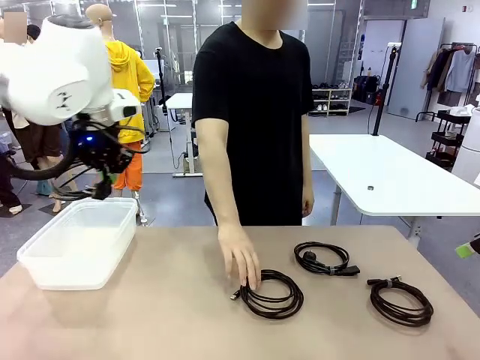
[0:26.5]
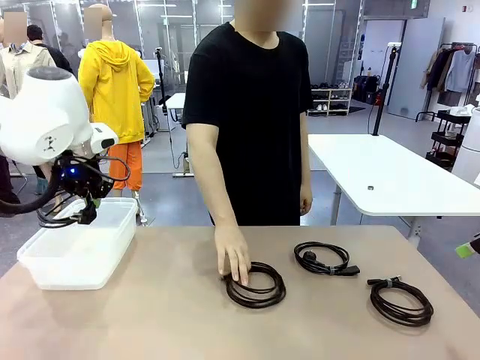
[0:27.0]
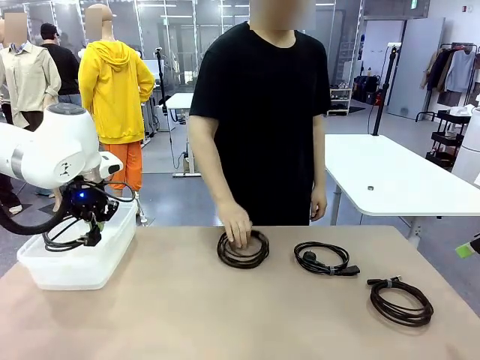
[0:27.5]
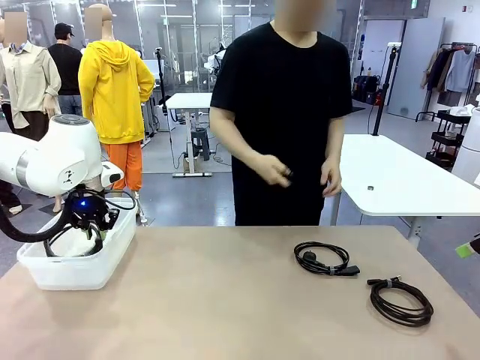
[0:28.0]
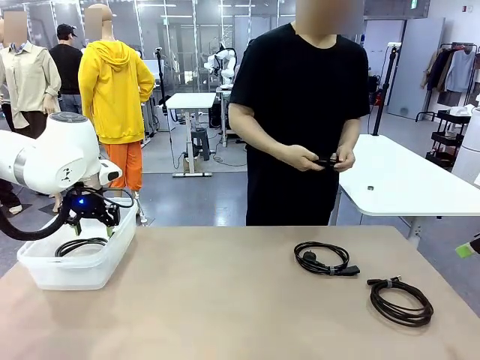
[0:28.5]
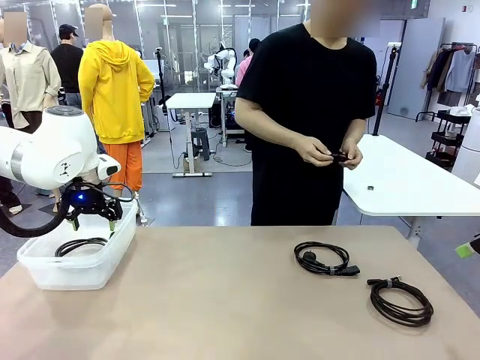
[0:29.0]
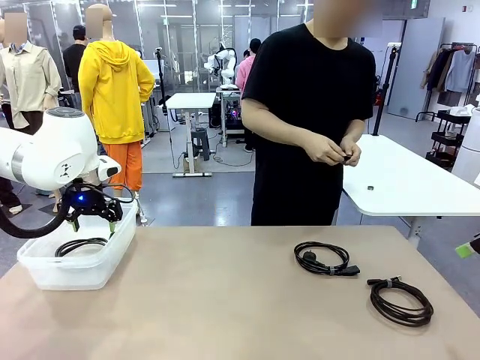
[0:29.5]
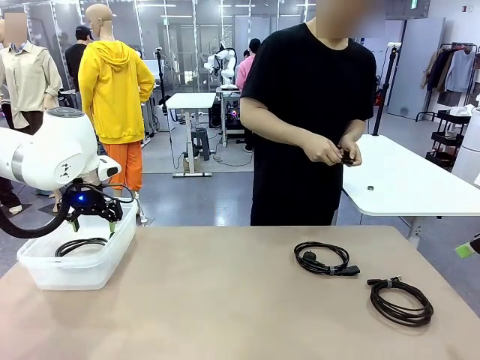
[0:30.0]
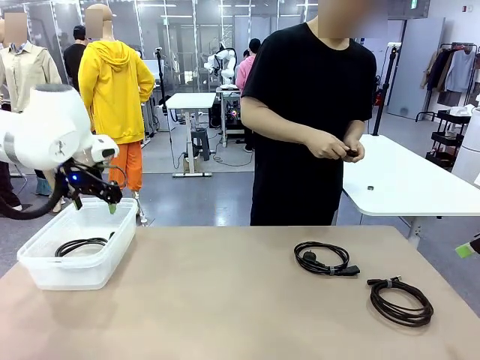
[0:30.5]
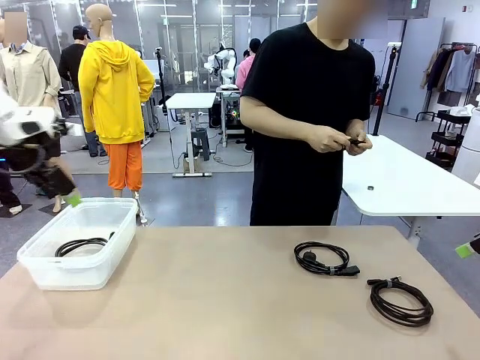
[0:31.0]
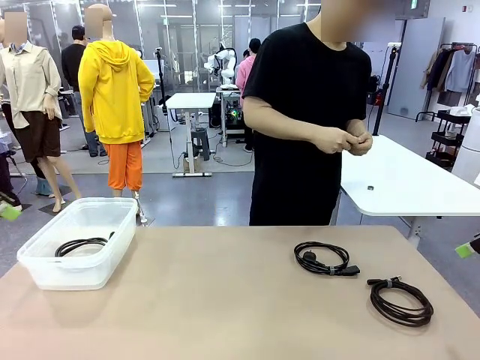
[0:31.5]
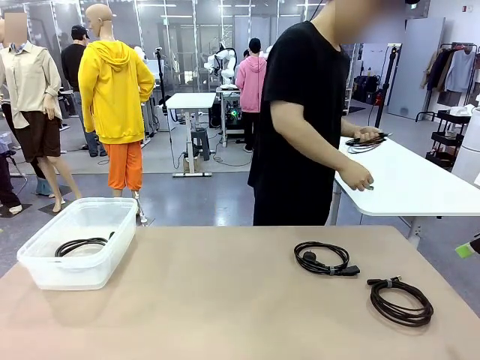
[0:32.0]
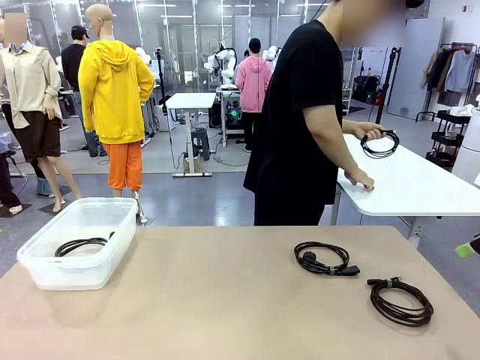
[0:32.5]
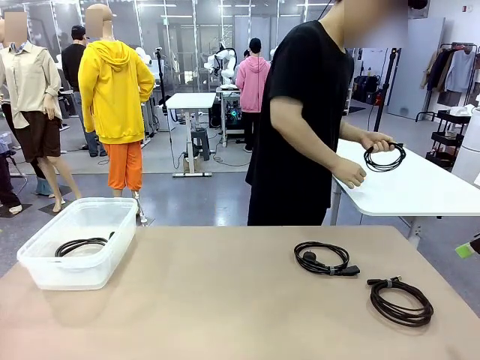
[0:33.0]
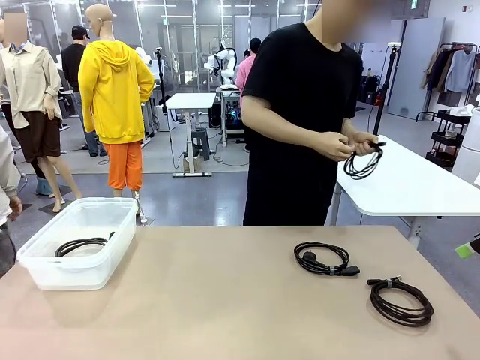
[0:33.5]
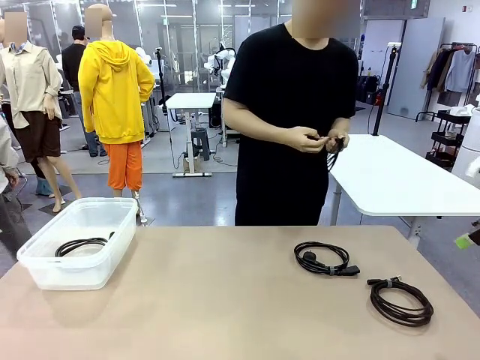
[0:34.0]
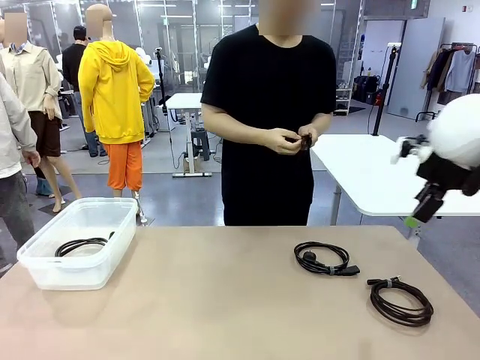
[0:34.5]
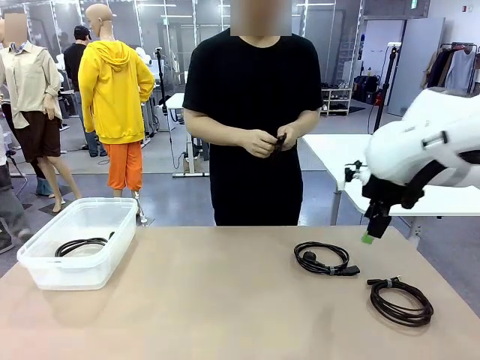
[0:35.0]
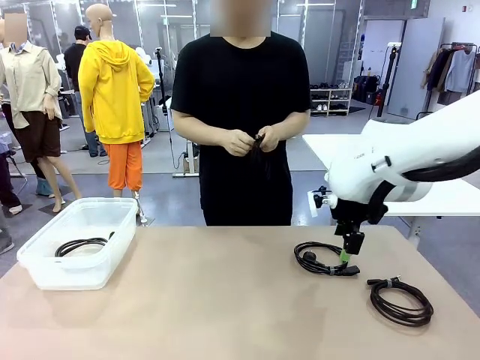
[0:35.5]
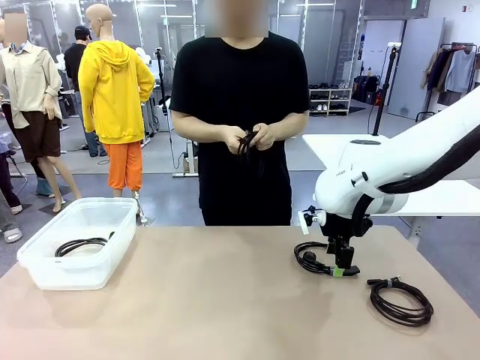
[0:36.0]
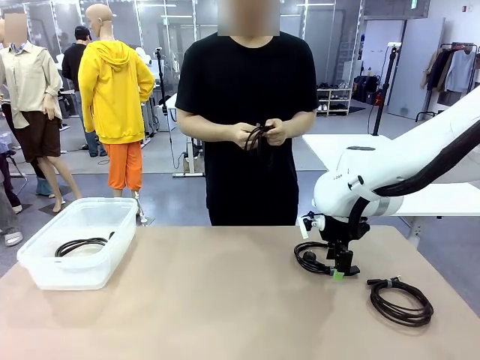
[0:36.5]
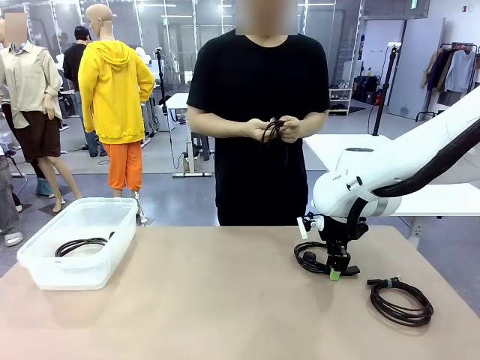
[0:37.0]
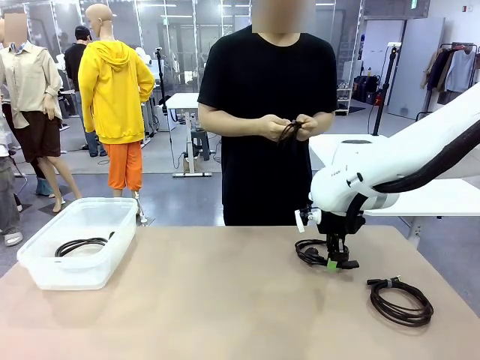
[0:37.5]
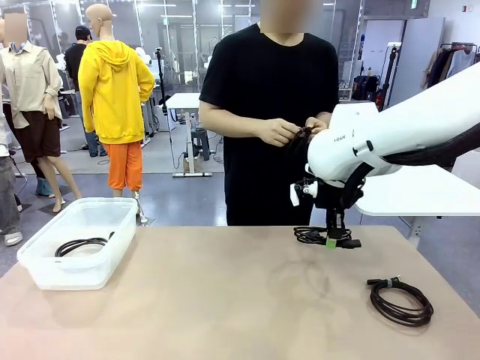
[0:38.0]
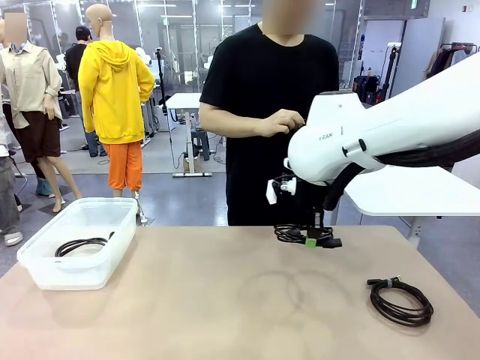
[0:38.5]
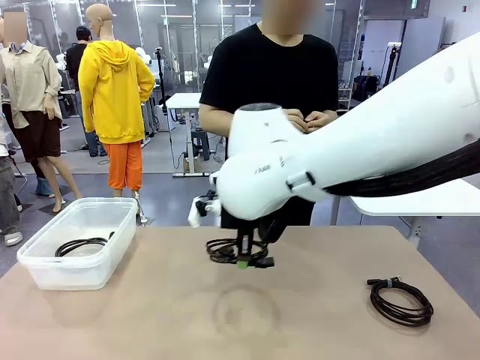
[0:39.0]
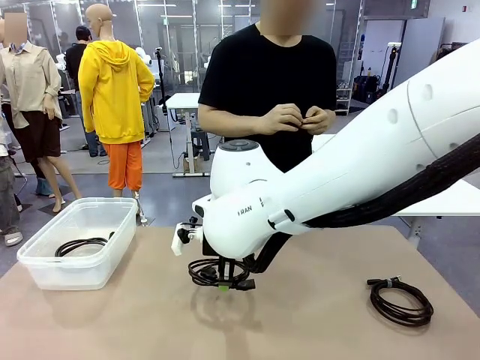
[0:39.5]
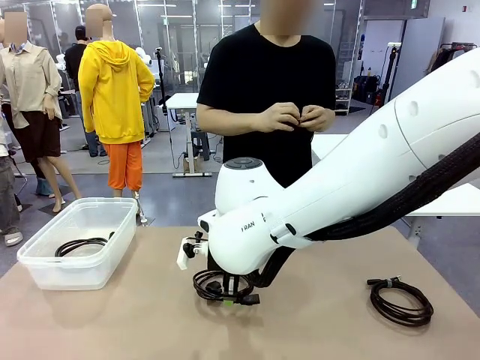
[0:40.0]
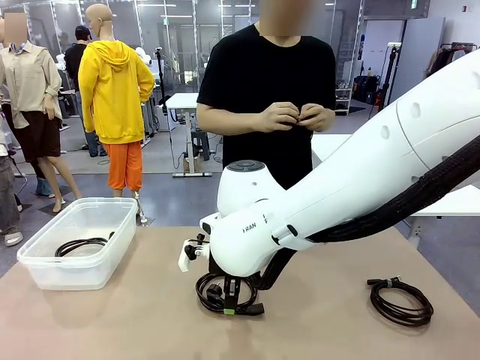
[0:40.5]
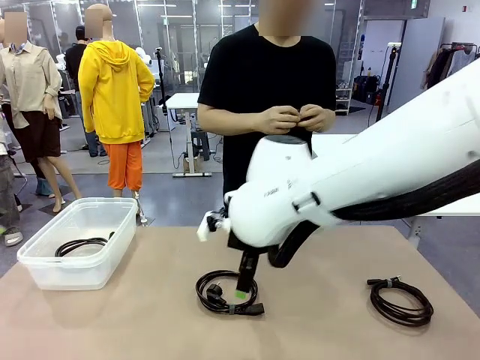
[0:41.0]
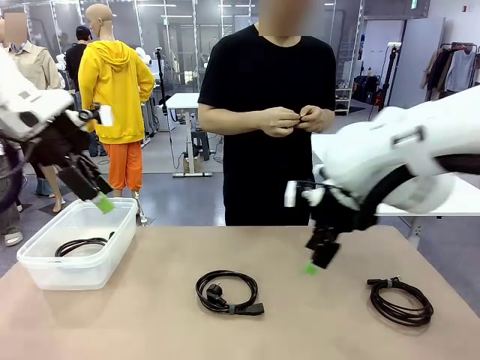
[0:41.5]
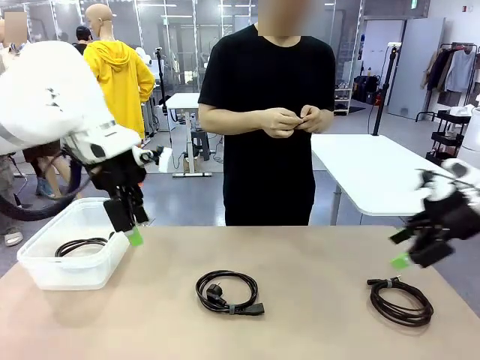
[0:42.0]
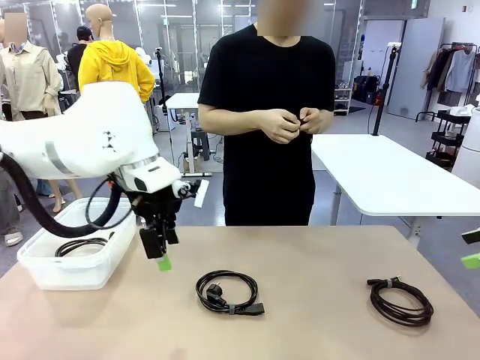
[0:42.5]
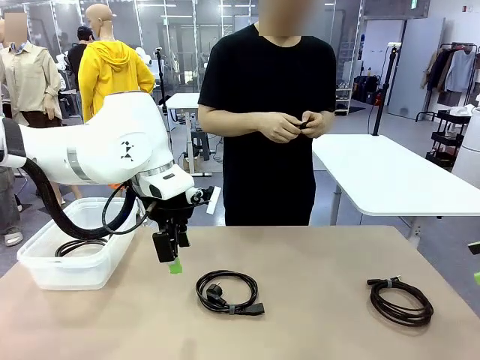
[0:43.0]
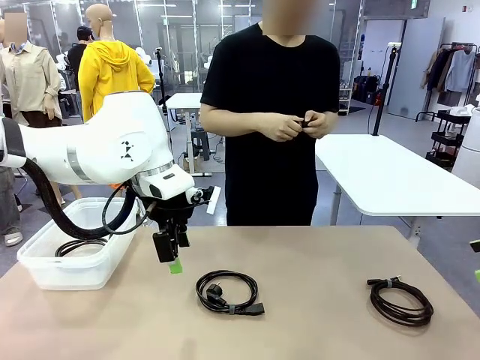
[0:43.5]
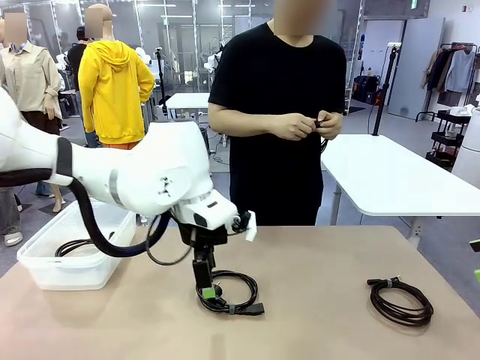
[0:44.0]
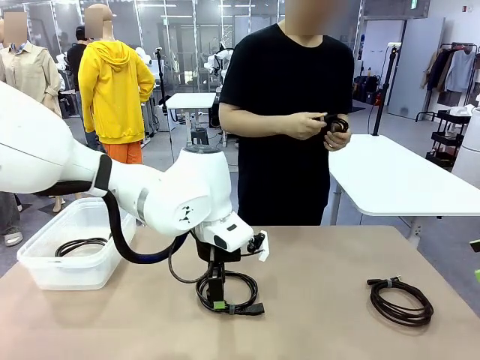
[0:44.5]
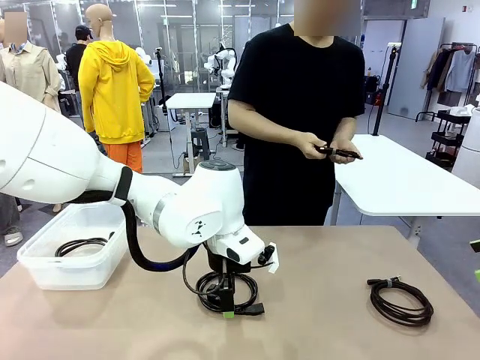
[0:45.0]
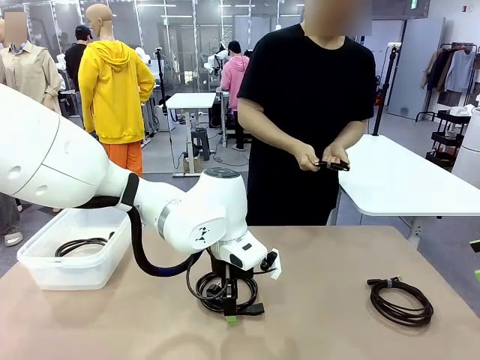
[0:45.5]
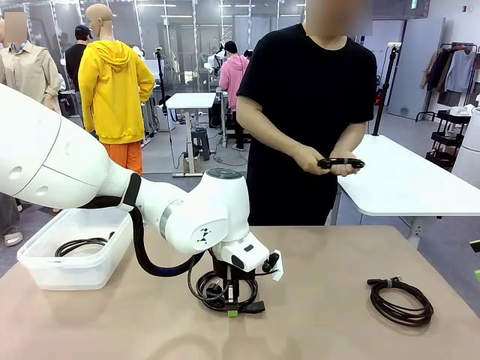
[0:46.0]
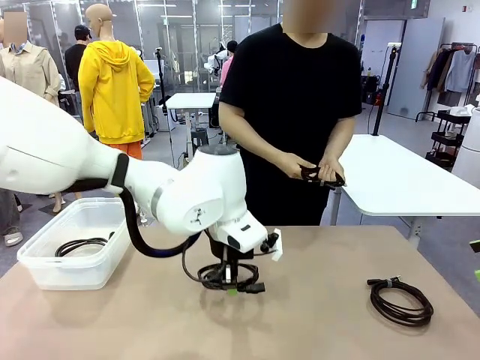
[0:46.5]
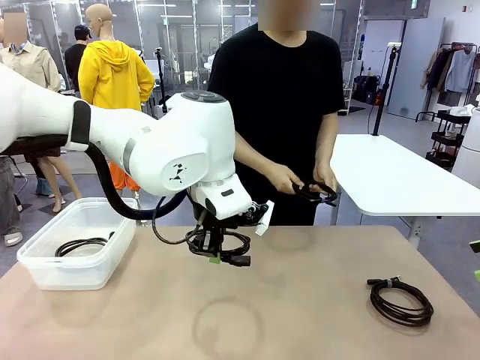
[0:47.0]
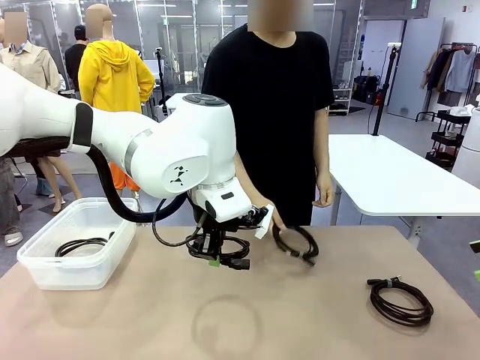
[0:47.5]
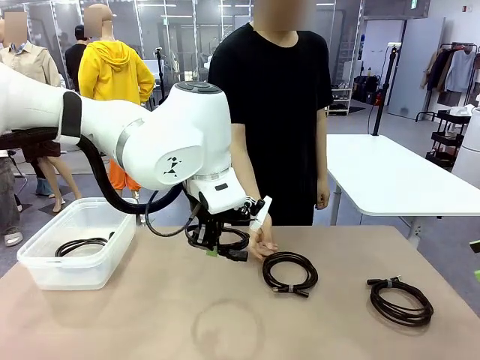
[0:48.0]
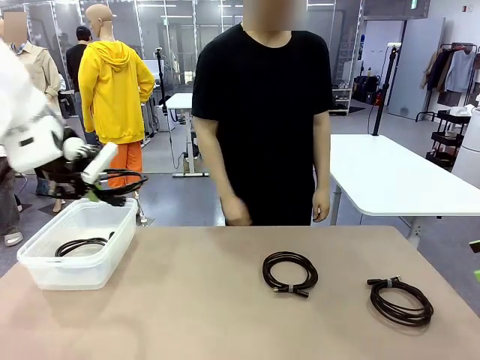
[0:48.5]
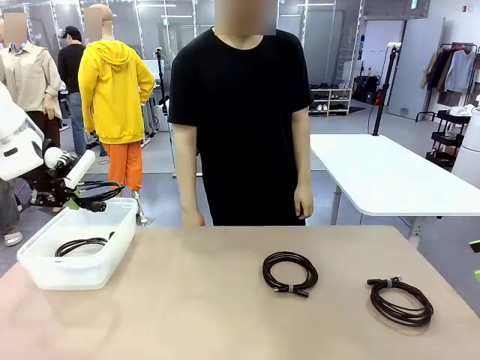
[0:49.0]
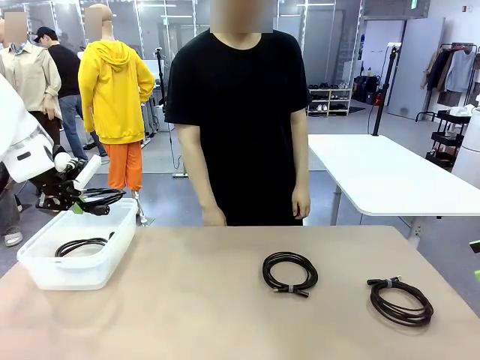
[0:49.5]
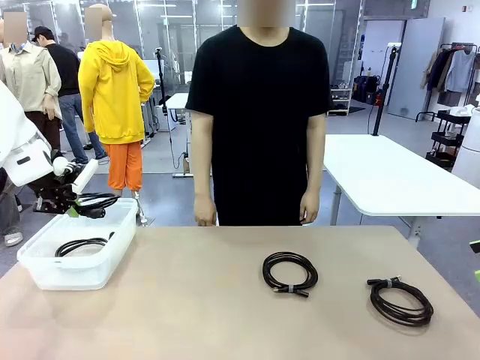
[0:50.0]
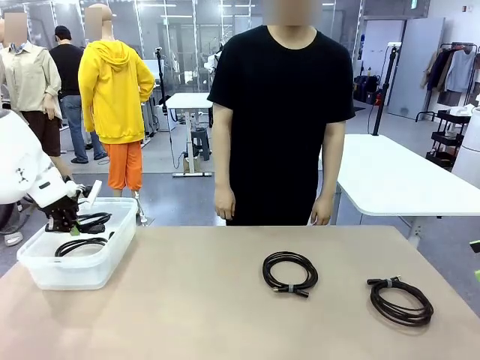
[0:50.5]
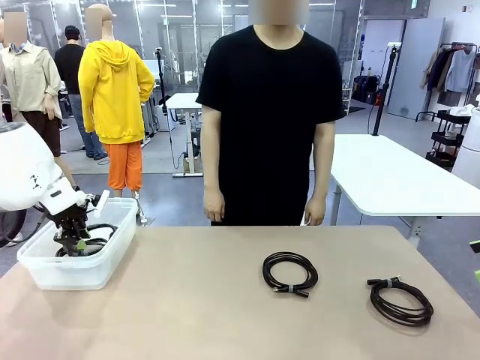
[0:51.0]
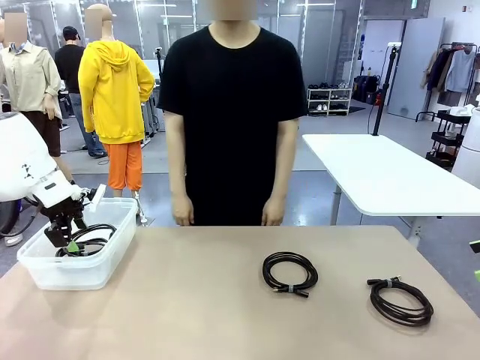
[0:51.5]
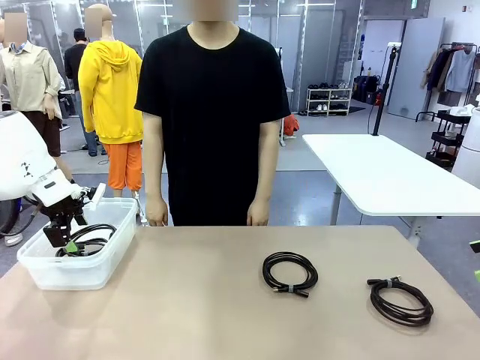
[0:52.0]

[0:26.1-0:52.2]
Task: Organize and store the cables.
Robot: Place the Power Cable into the Organizing box.
